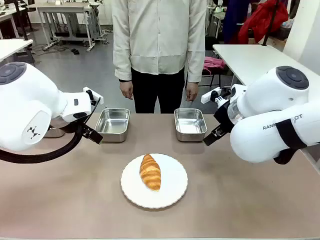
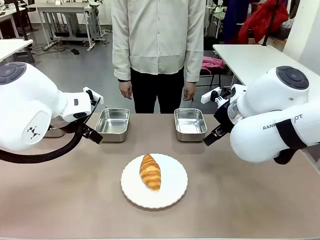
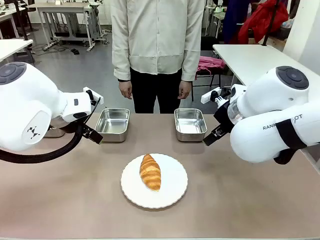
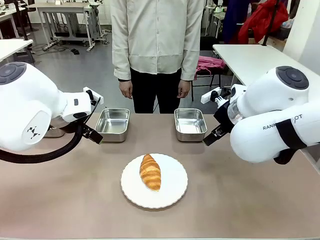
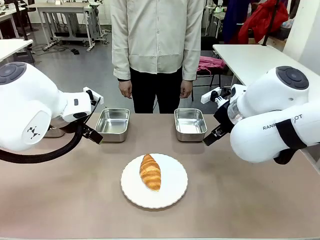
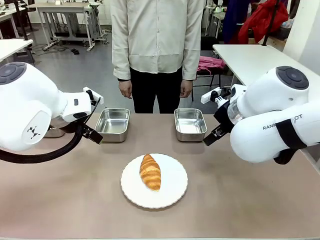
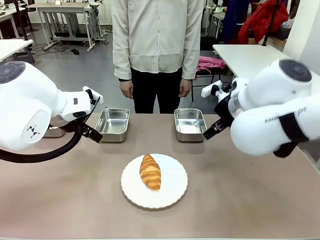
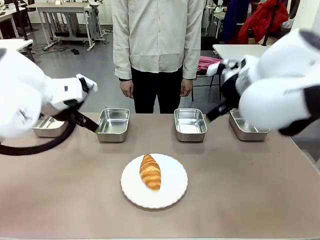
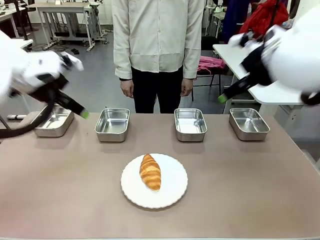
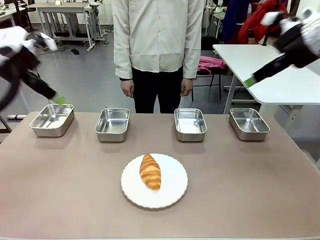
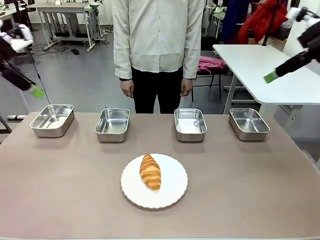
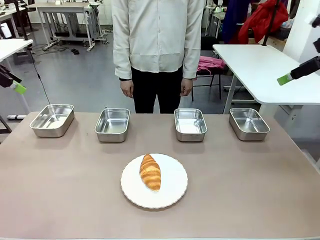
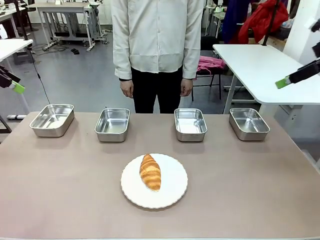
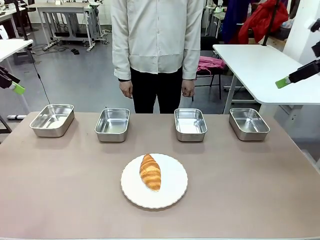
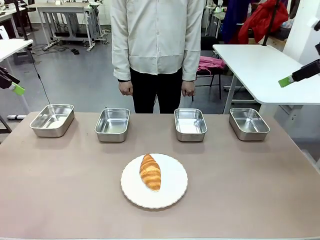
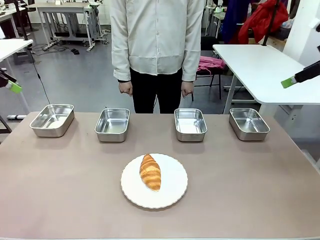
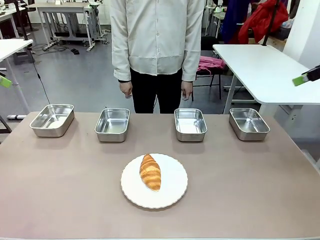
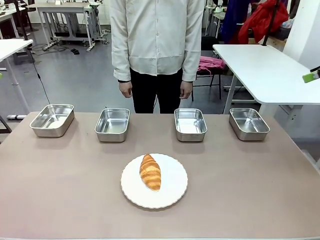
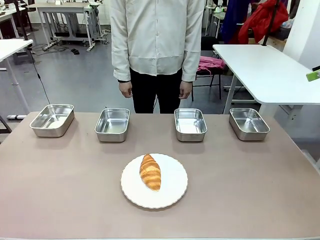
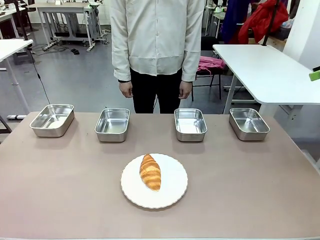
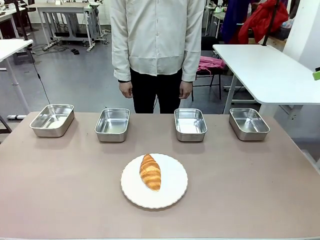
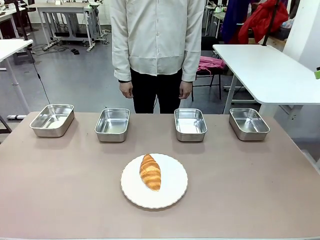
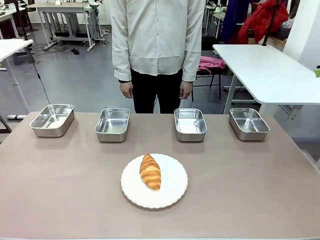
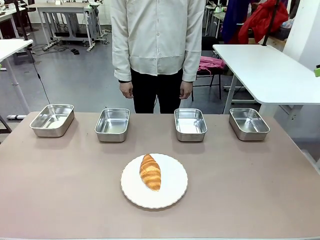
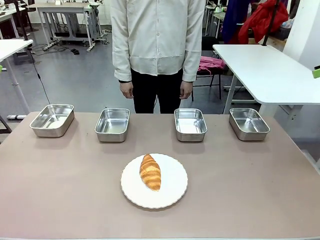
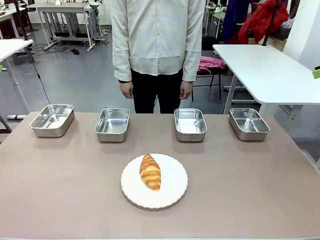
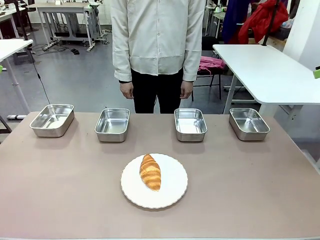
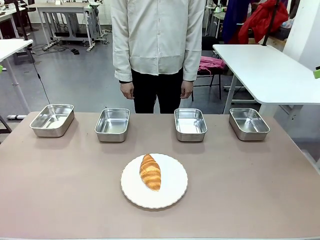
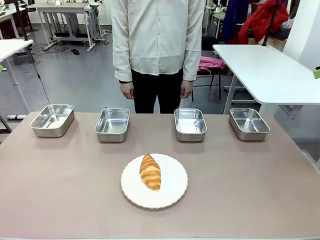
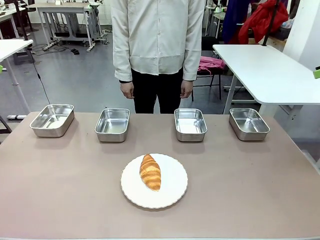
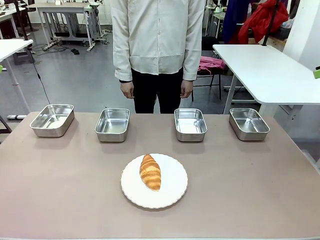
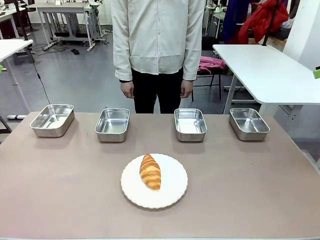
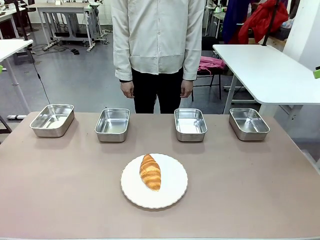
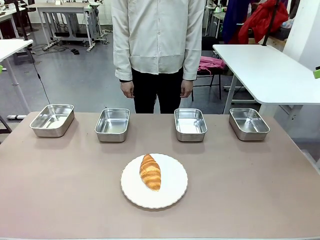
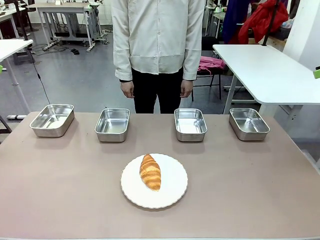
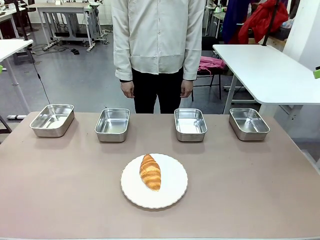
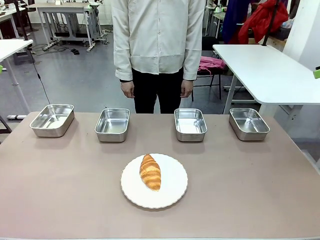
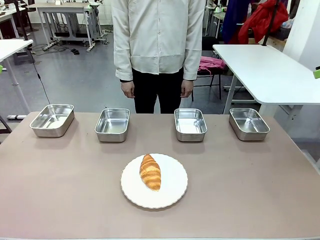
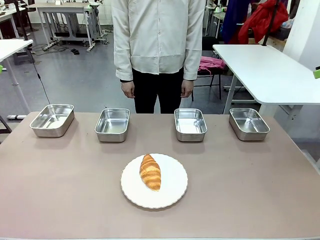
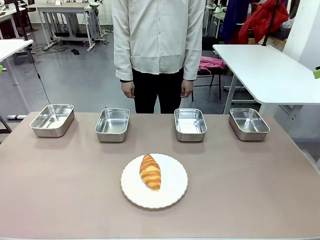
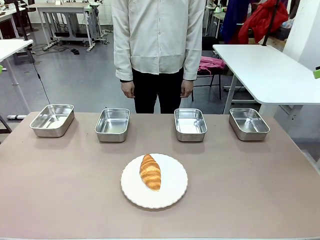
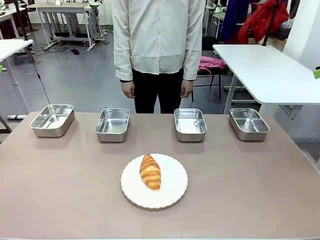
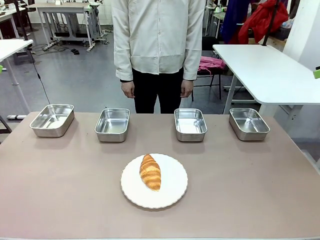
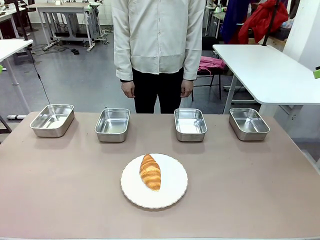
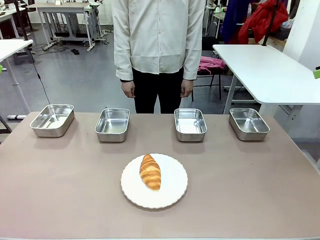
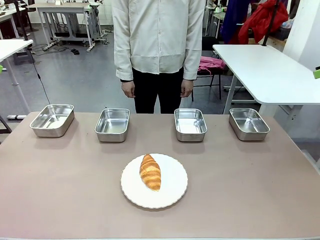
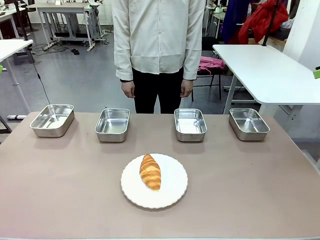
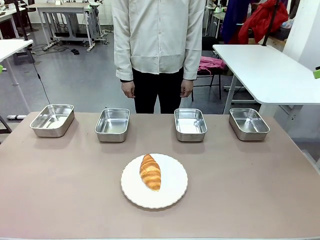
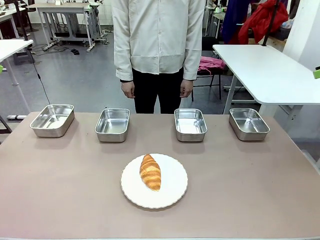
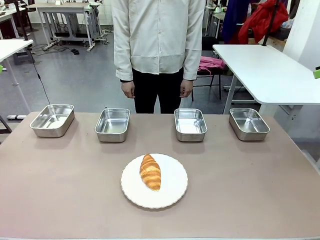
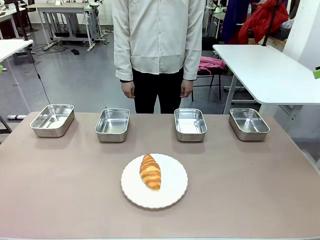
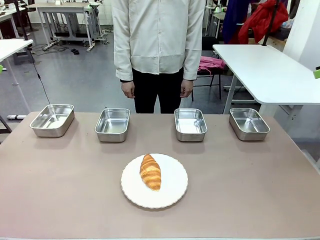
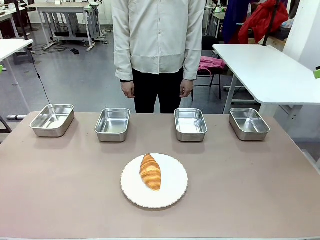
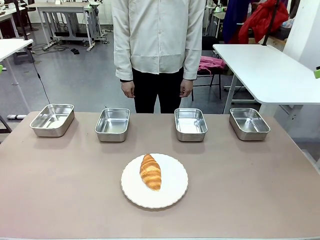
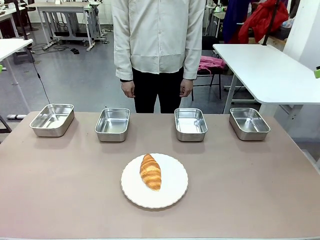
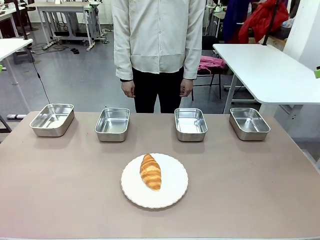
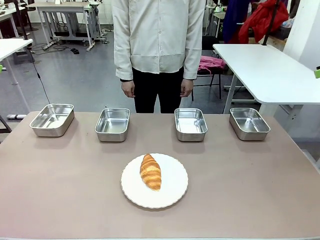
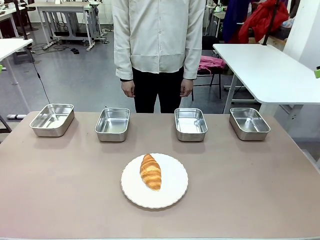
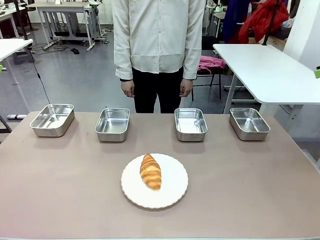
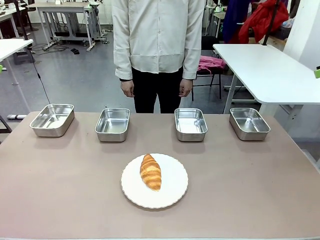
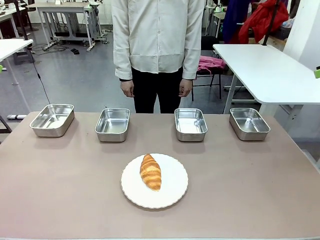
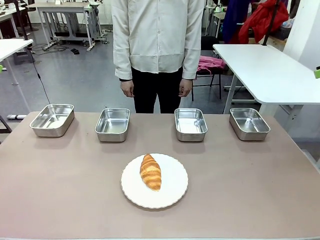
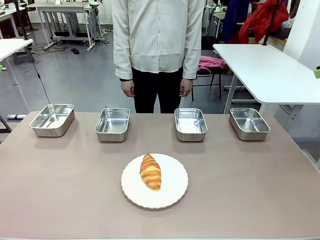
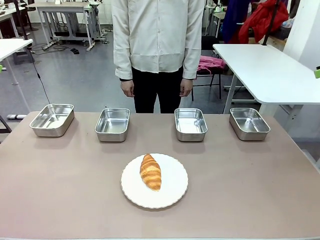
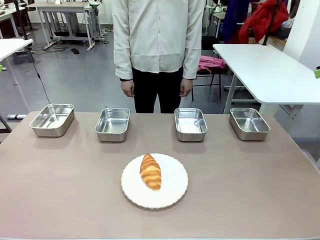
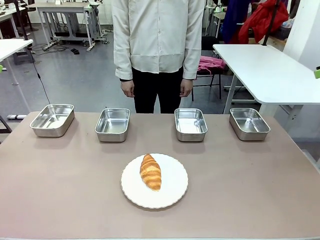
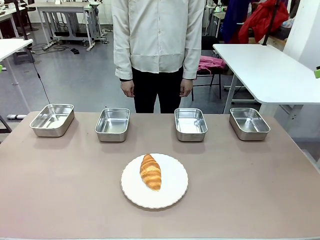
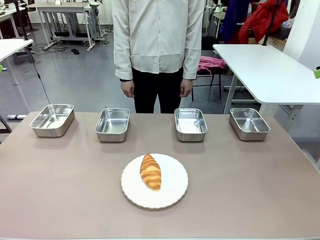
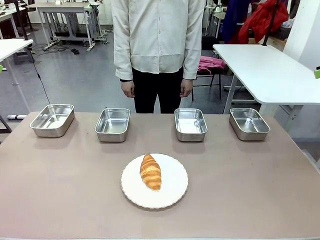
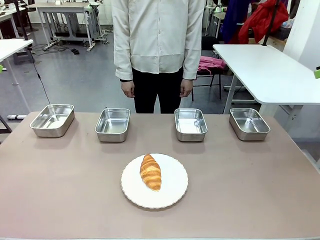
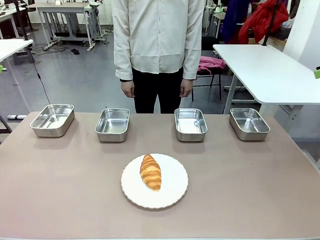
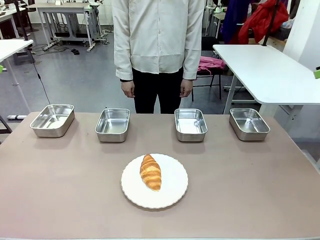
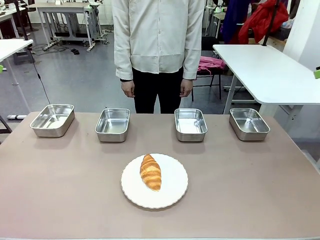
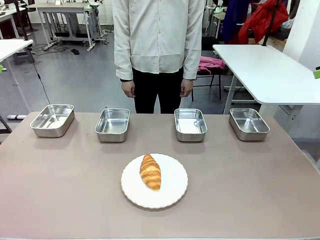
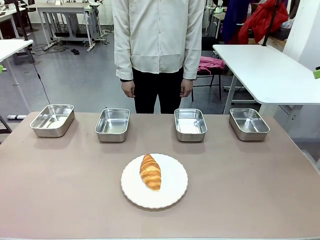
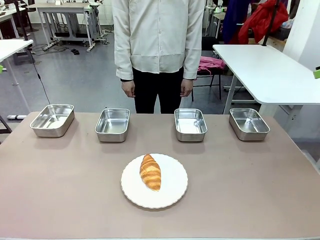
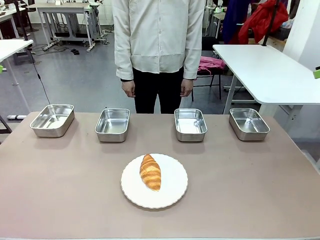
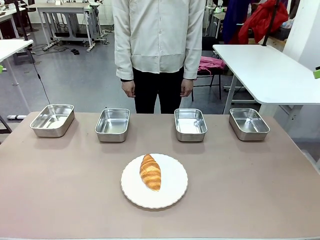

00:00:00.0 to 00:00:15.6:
Task: Place the bread in the container.
Robot: Place the Butter Roll into the Airtight Container indicated by the human.
